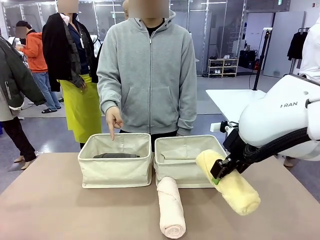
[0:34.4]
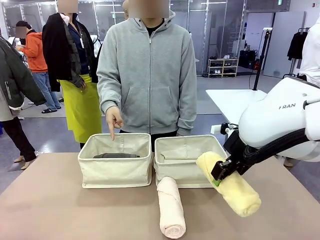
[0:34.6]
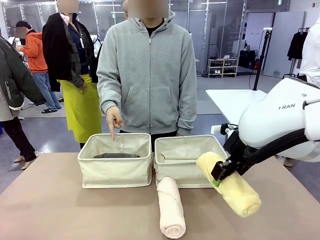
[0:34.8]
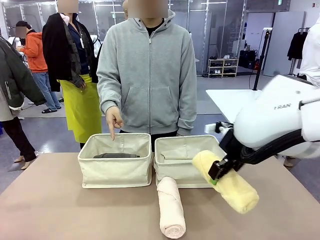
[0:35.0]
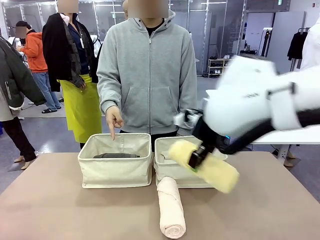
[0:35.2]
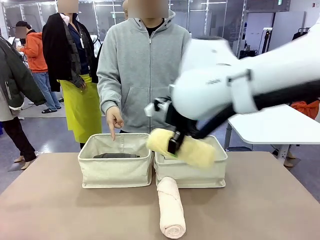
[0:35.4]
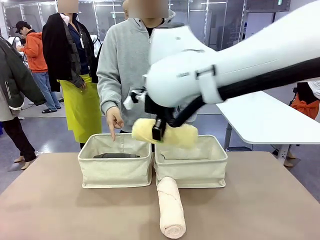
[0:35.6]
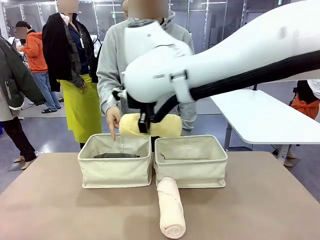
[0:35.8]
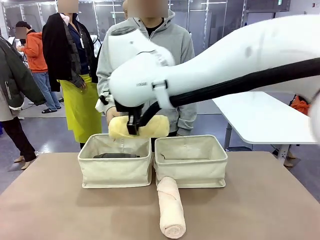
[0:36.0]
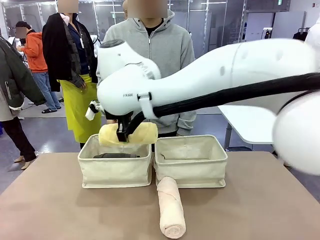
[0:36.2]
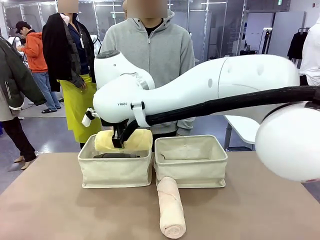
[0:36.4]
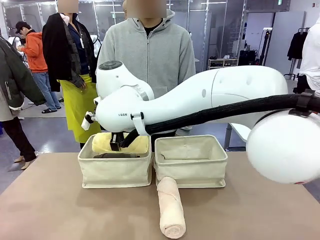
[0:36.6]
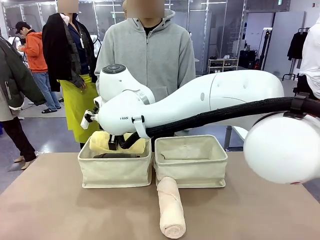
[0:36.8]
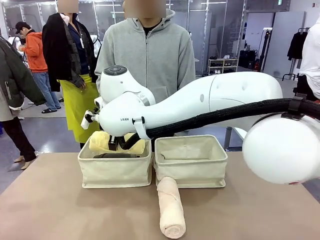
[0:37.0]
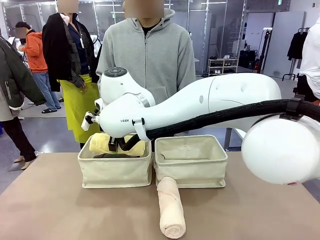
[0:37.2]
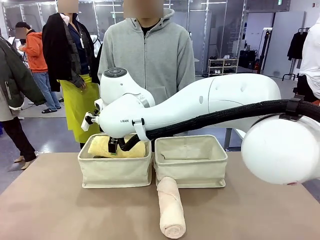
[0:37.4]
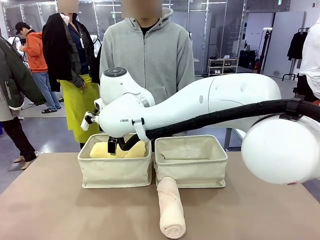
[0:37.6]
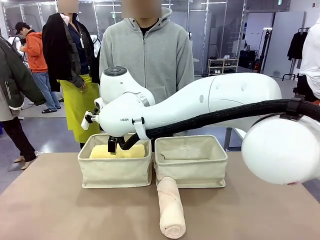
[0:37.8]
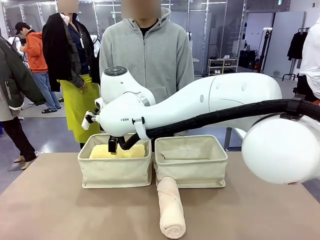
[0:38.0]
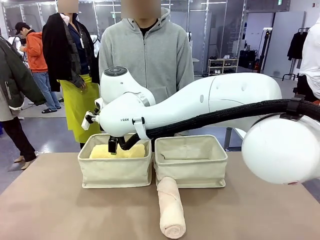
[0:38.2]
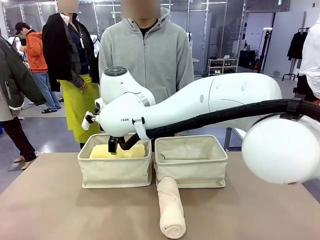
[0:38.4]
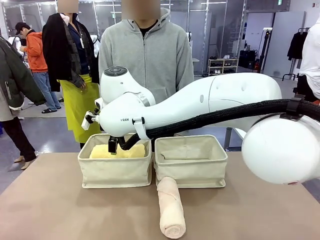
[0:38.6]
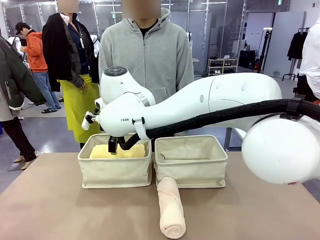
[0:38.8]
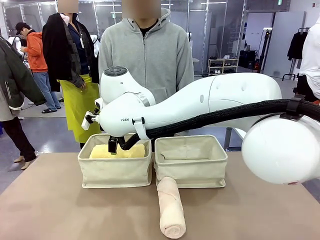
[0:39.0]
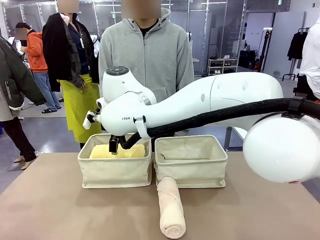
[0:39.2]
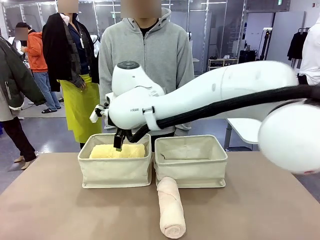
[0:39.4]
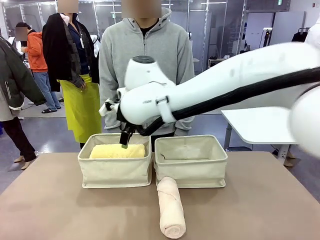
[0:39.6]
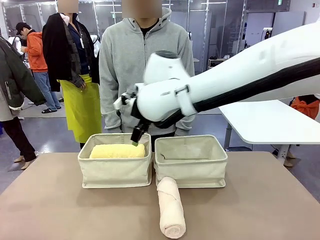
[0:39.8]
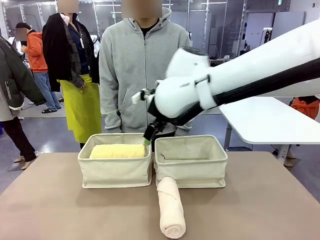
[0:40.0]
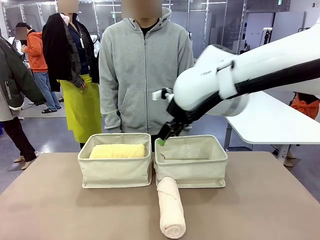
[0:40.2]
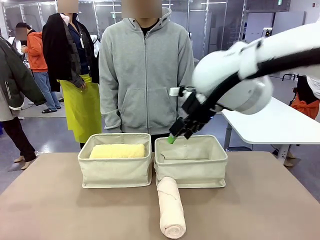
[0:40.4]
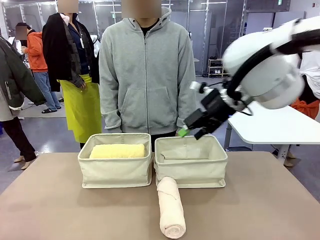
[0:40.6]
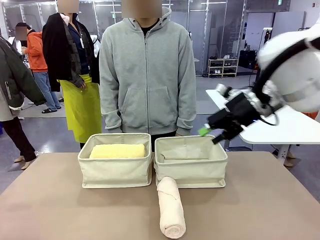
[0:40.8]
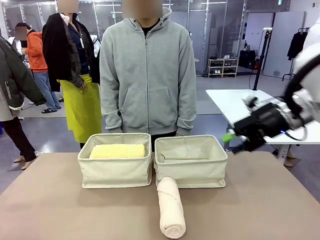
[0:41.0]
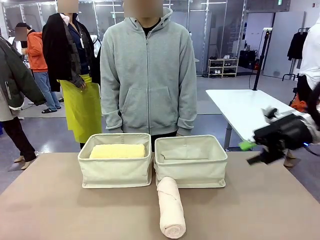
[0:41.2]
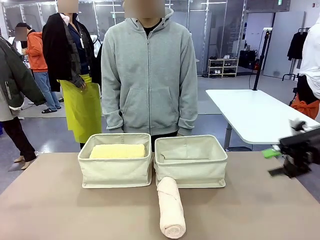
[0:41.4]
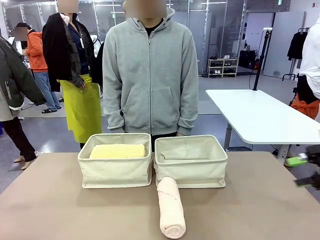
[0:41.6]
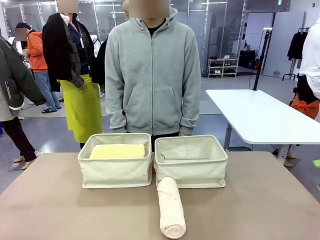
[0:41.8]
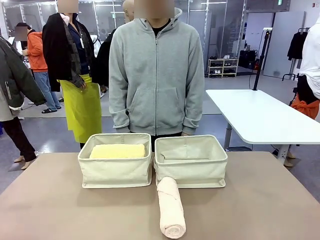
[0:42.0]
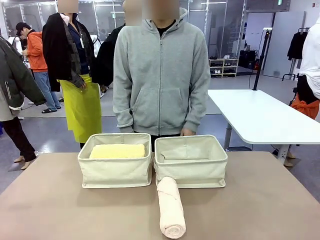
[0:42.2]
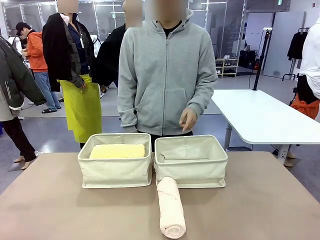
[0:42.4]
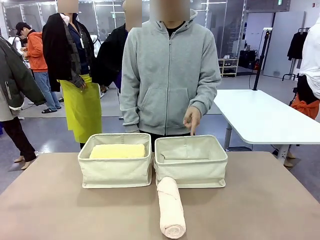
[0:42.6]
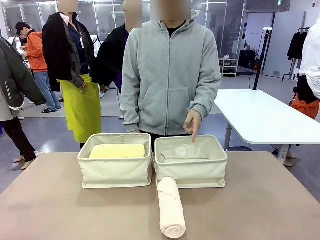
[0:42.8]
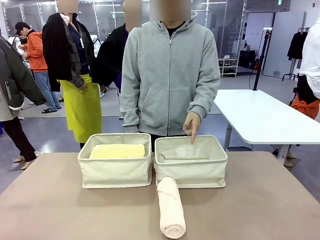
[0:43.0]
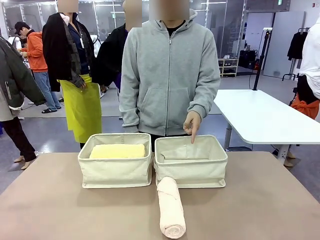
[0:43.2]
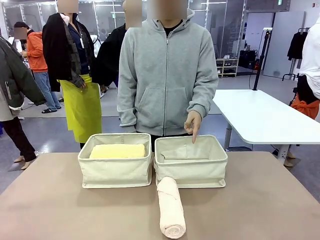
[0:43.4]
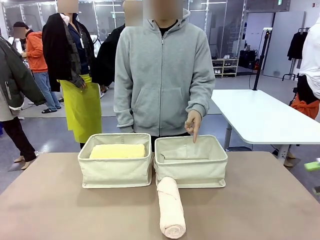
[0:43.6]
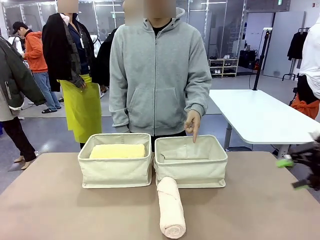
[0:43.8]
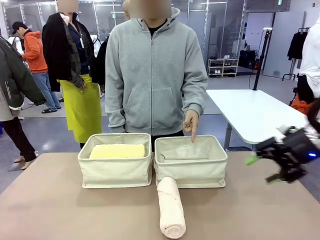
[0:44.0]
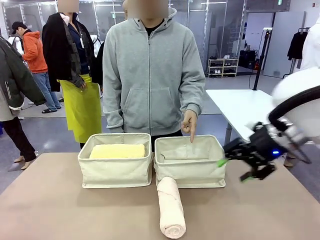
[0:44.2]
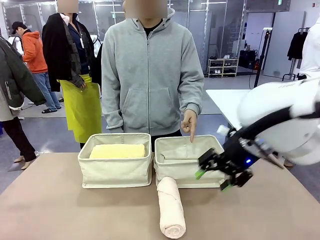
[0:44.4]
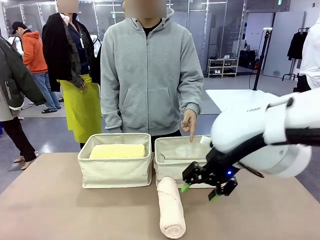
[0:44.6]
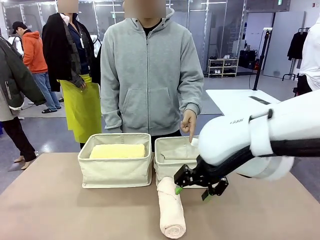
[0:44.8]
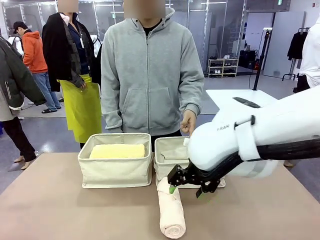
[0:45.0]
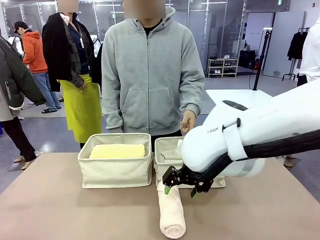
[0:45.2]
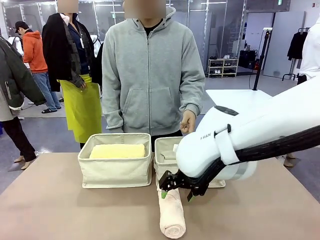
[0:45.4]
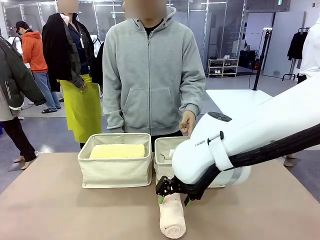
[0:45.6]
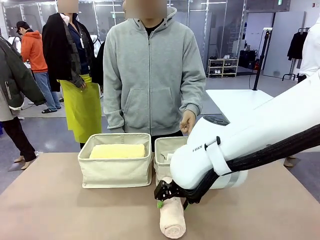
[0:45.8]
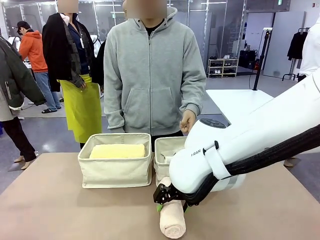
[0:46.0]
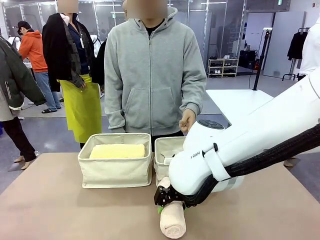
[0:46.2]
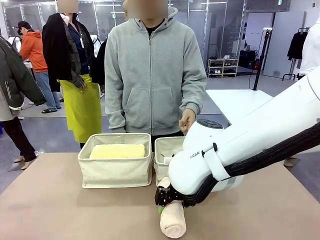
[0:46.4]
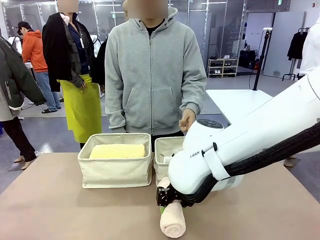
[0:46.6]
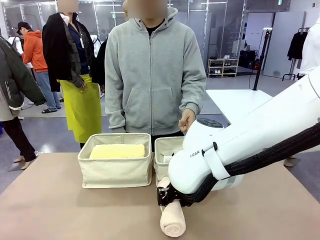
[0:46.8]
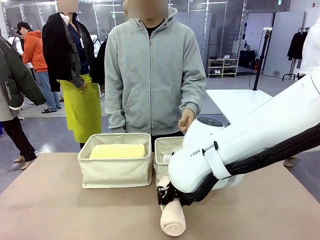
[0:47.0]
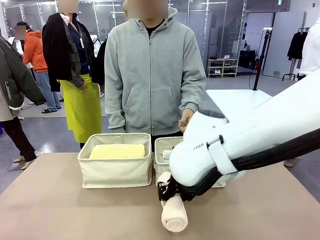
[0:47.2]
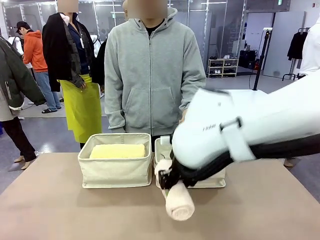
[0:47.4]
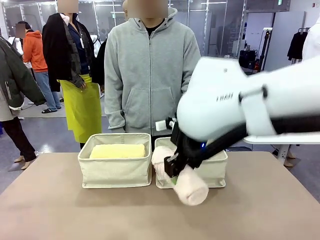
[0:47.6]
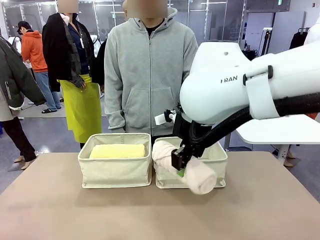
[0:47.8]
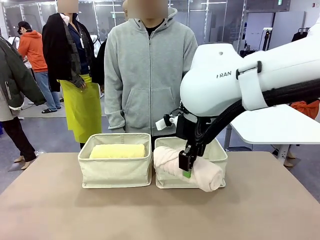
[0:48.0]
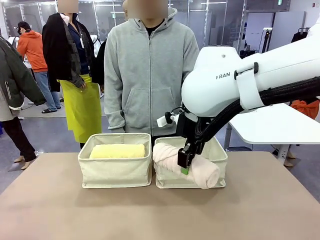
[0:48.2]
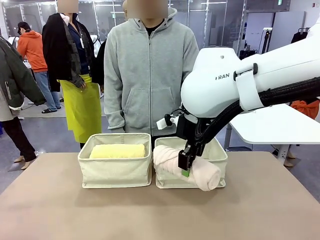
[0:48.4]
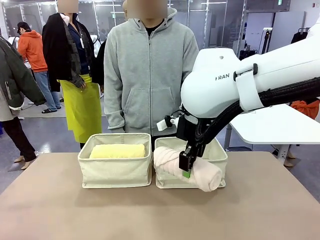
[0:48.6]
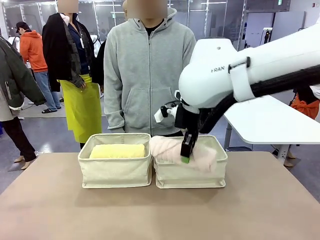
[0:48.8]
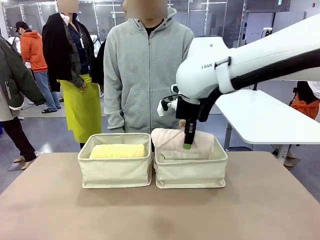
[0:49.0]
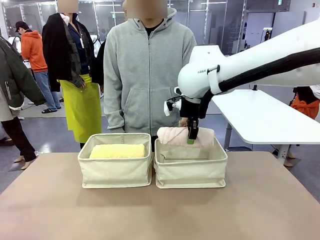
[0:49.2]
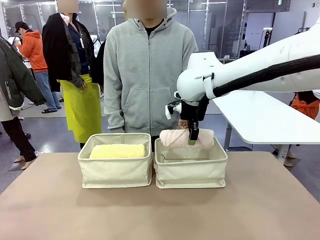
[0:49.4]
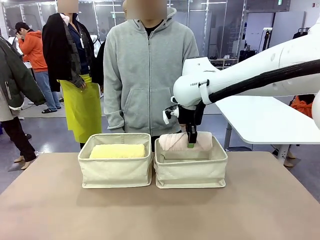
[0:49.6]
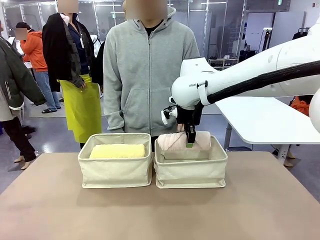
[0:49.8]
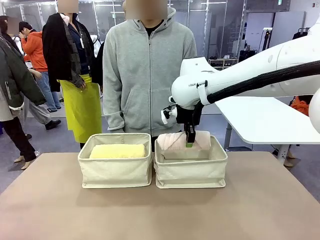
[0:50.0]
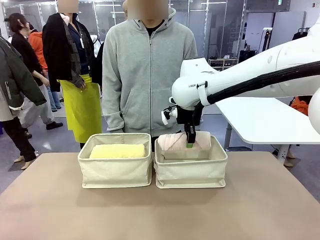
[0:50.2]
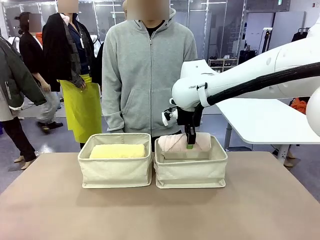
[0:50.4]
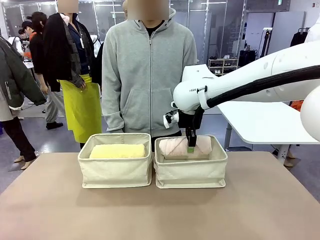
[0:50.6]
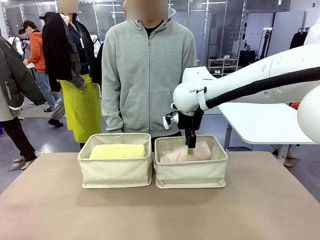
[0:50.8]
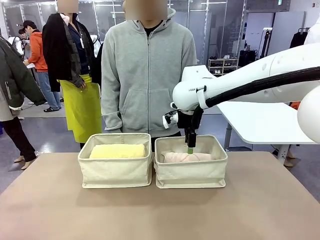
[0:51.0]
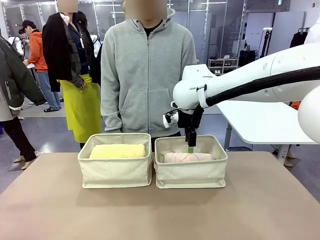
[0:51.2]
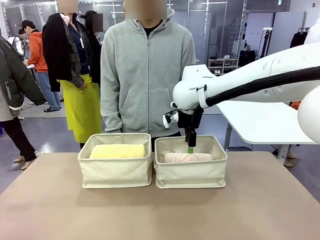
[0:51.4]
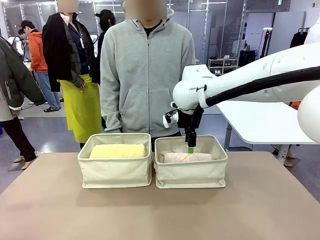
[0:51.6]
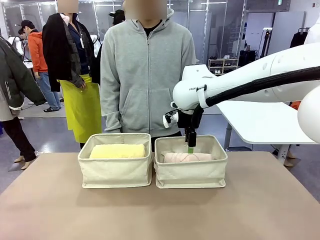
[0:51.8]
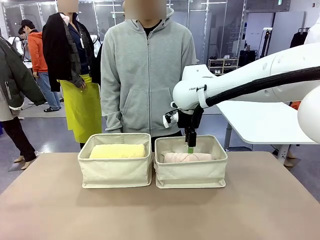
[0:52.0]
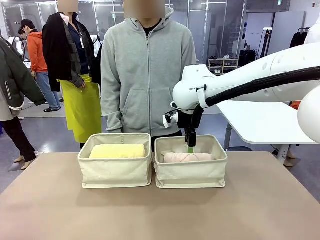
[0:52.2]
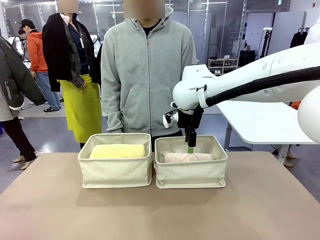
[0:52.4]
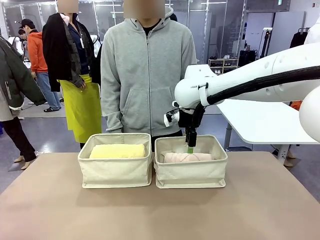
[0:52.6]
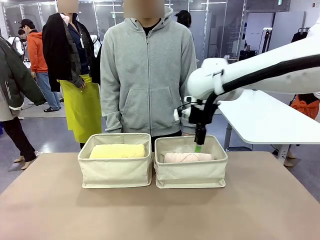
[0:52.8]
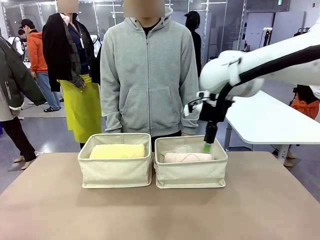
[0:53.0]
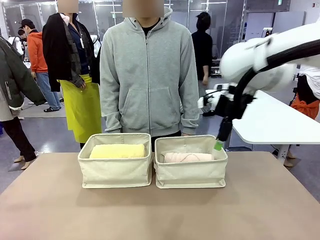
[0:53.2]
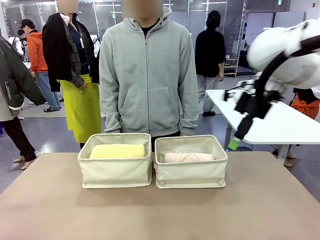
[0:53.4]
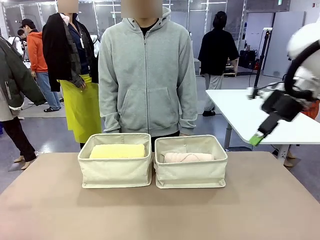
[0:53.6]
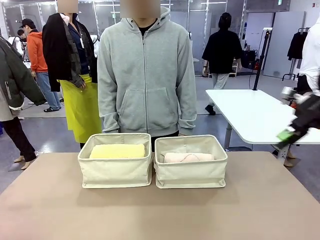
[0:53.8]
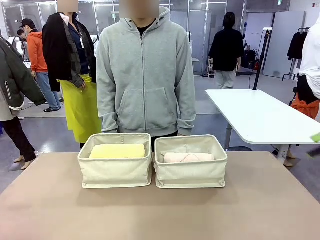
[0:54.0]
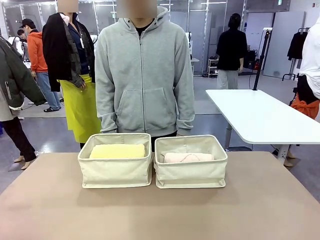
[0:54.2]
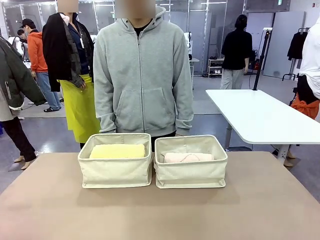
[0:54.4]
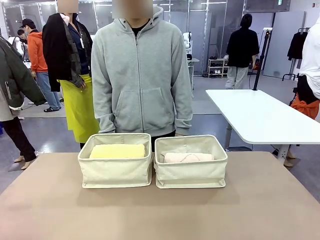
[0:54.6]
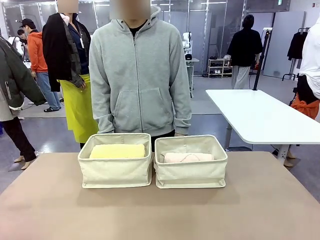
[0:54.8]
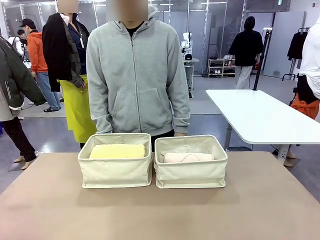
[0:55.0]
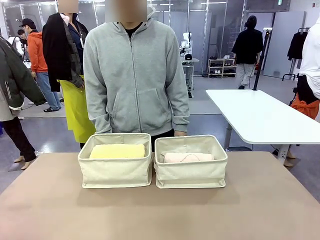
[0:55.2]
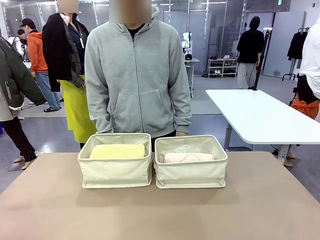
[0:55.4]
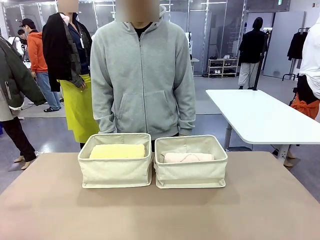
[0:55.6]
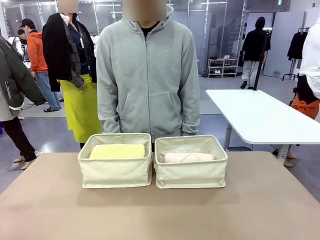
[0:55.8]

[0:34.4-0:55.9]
Task: Divide the towels into two baskets.
Robot: Pick up one hotel-folded towel from the bottom of the table and place it in the Fabric basket indicated by the person.
